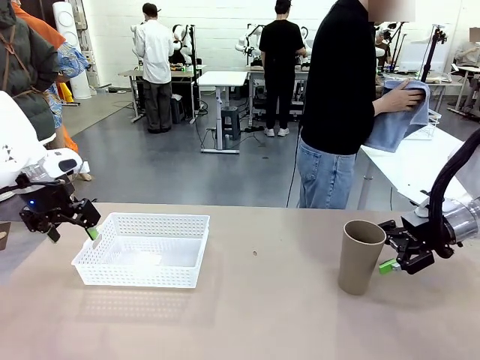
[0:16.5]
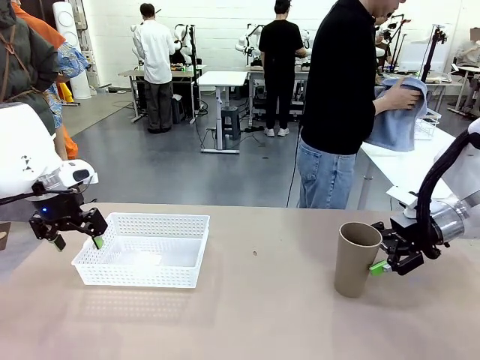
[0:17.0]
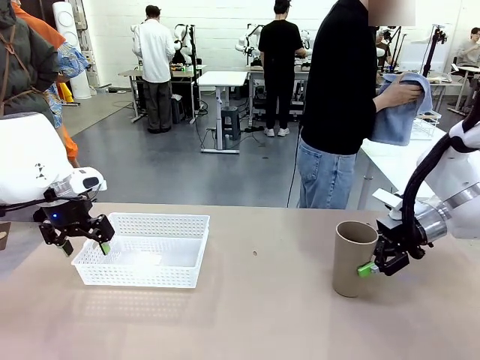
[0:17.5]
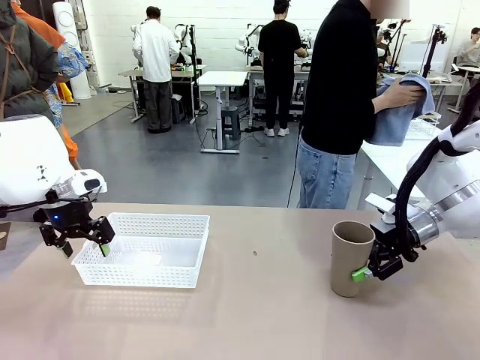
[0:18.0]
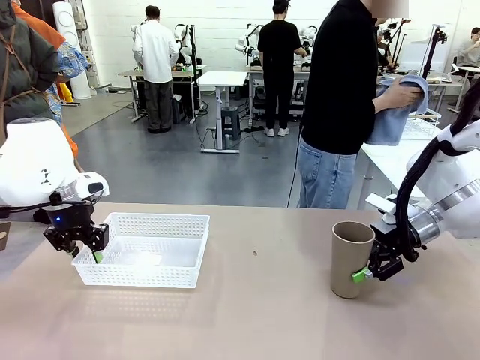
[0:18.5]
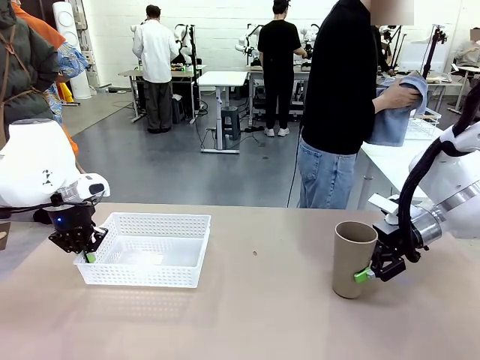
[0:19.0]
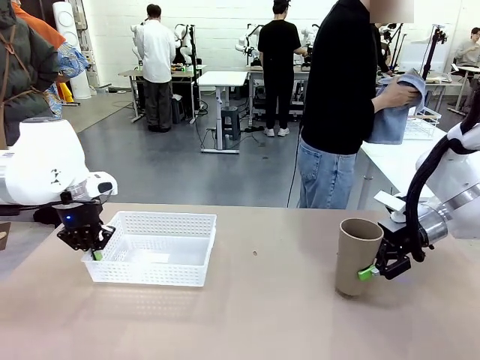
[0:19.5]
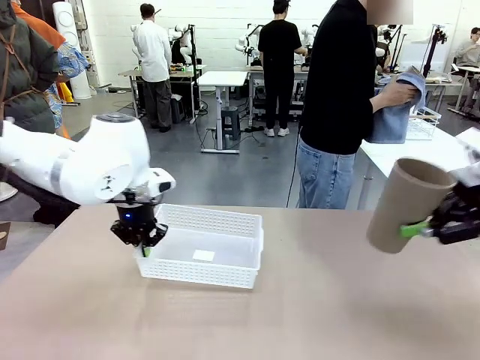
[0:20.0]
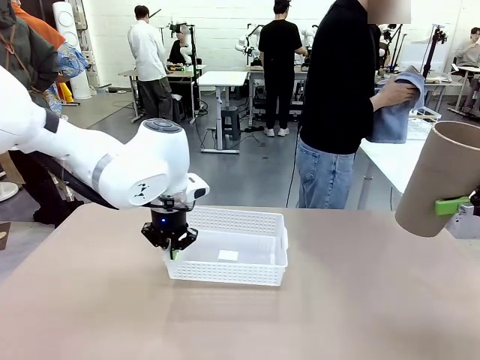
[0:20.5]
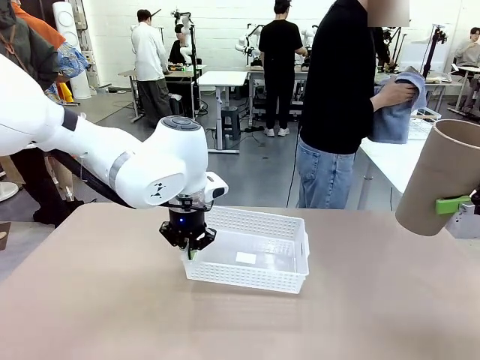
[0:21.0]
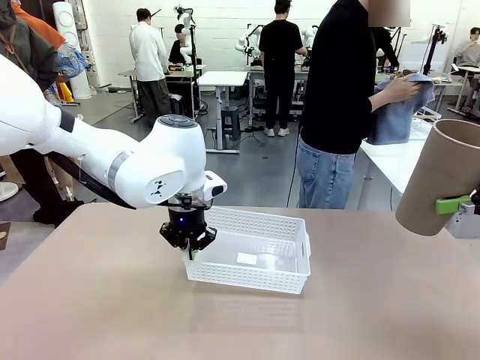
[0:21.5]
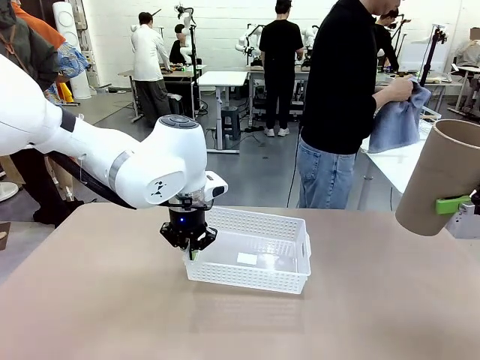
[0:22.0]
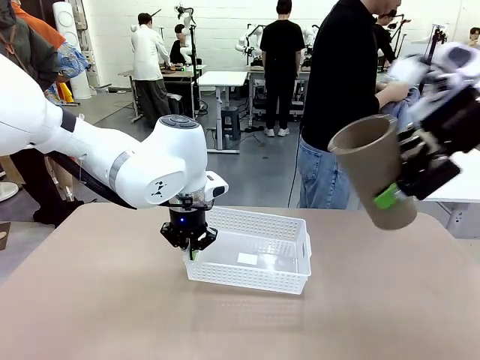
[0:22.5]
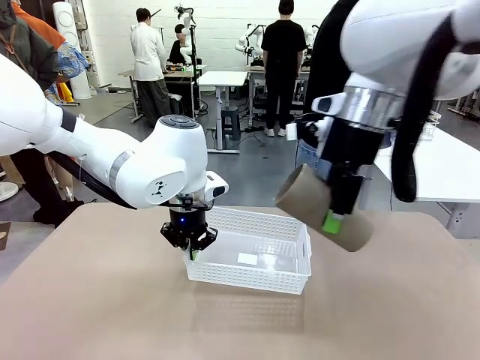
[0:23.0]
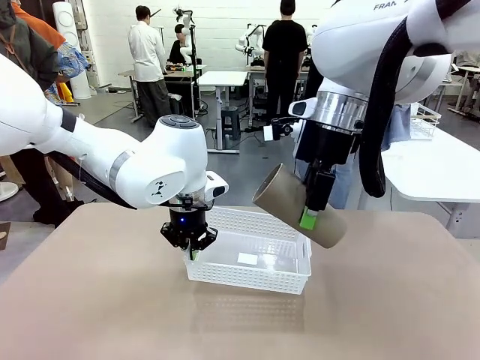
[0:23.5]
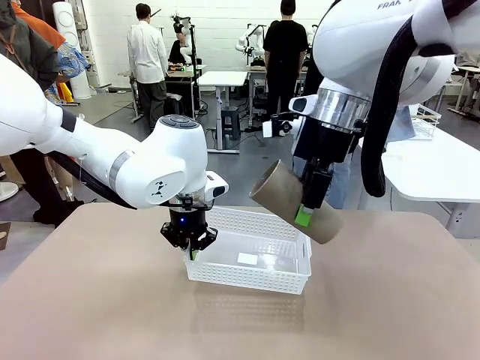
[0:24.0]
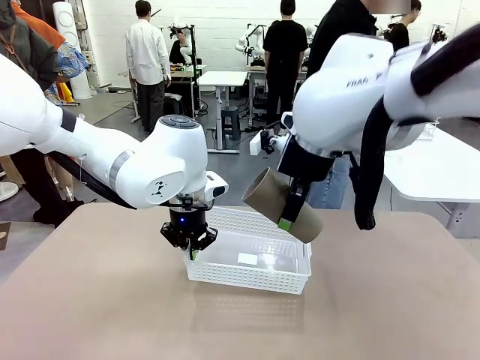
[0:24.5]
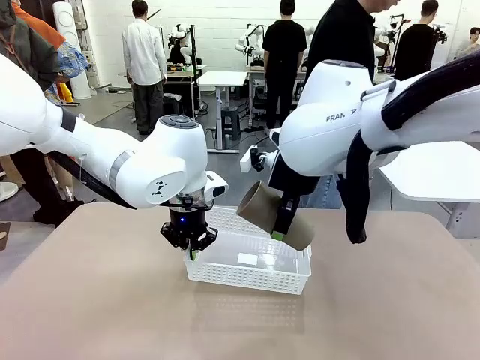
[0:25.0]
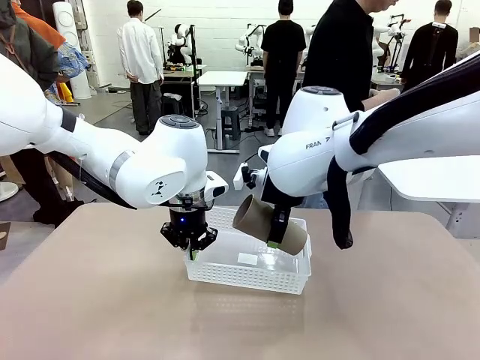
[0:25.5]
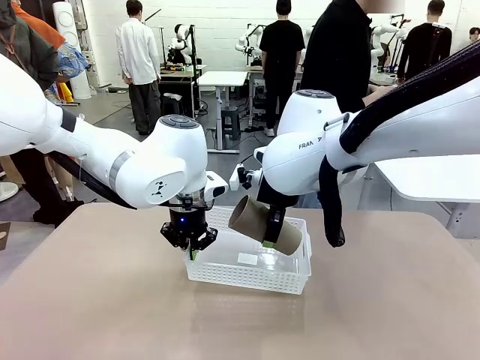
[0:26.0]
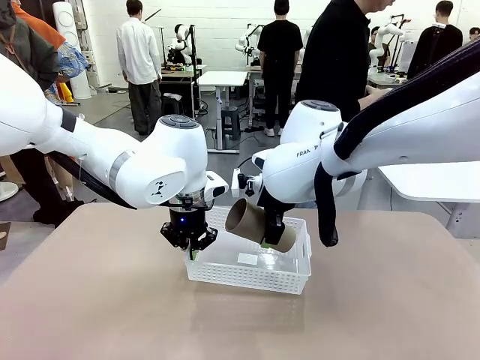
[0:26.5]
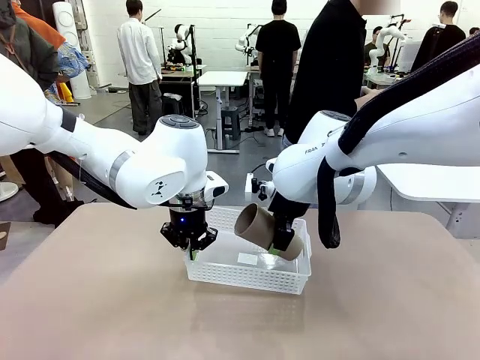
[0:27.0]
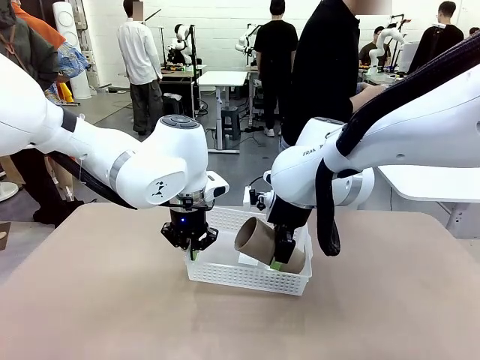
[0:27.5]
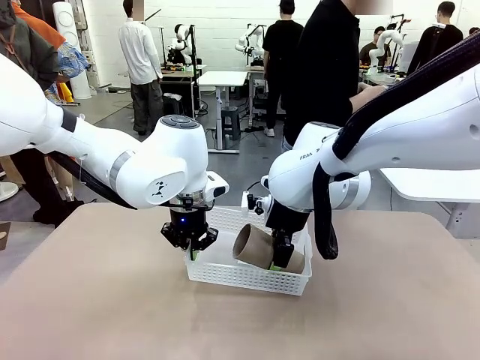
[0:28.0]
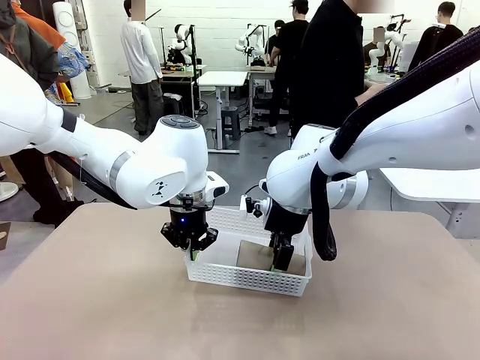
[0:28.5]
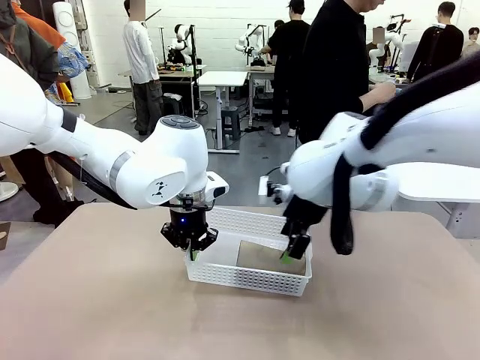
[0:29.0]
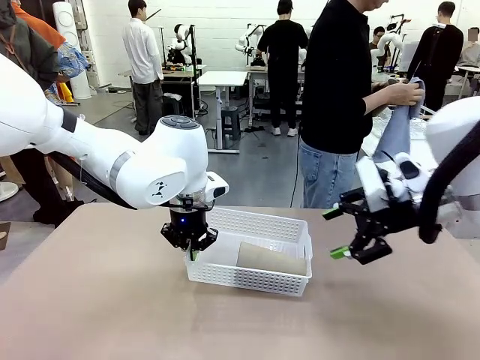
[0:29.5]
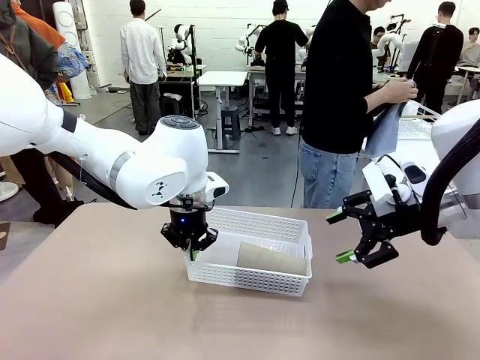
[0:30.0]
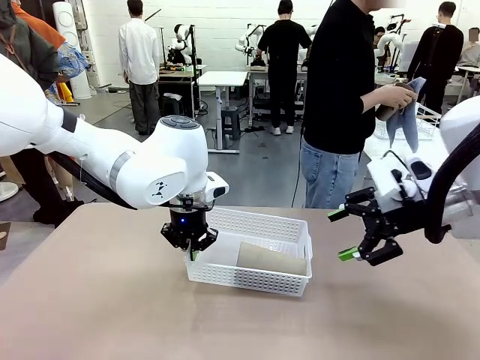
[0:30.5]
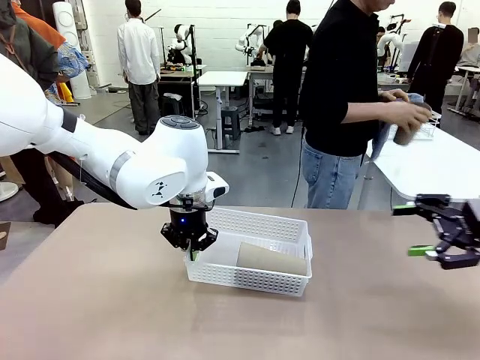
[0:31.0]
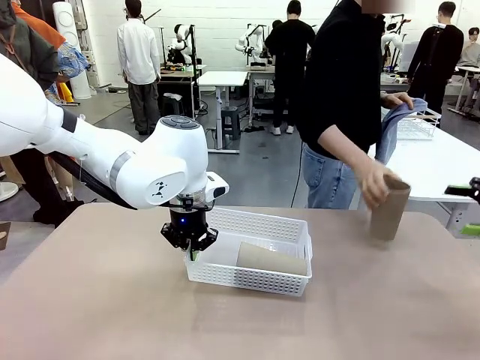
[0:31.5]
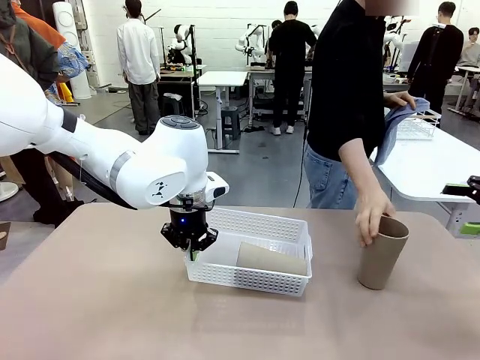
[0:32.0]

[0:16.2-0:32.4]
Task: Clean and organize the cups into the basket.
Robot: Pick up the Organizing basket and move it to the center of the table, then pick up the Reusable plastic cup from the right side of the table and place it inside the Organizing basket.

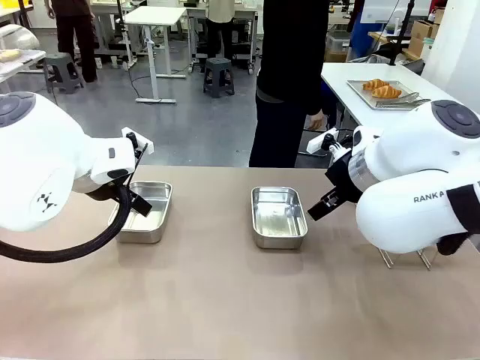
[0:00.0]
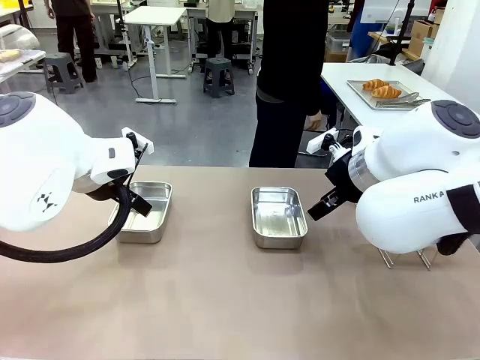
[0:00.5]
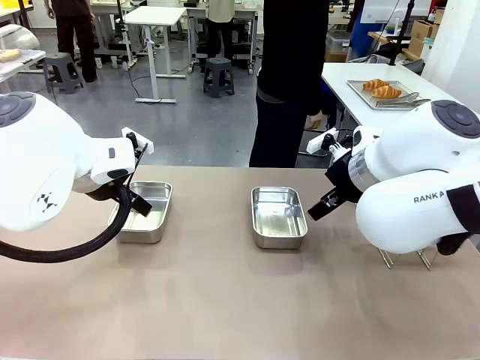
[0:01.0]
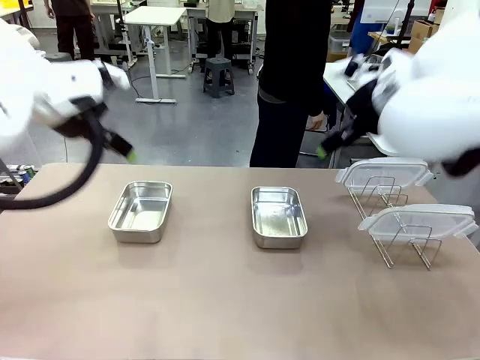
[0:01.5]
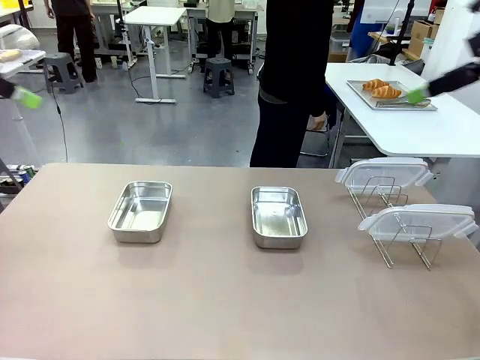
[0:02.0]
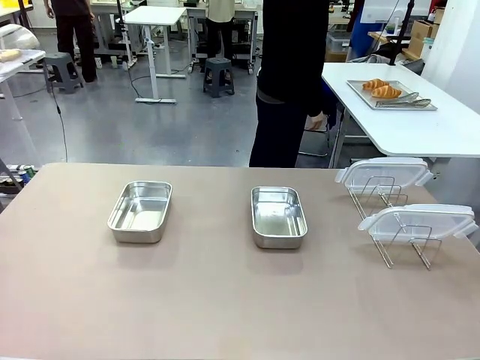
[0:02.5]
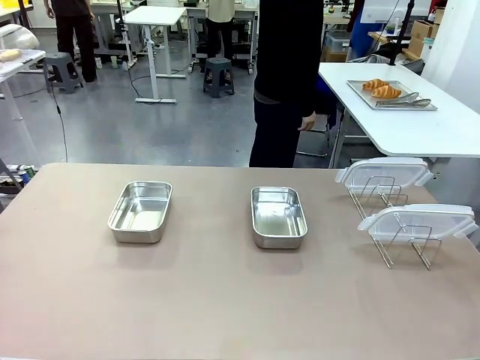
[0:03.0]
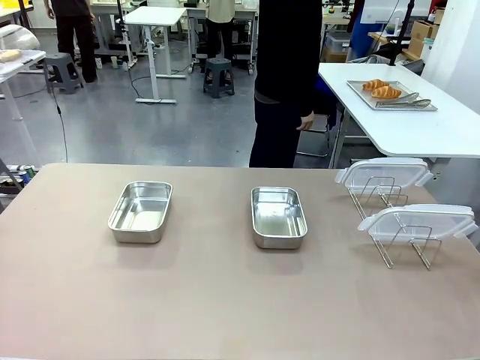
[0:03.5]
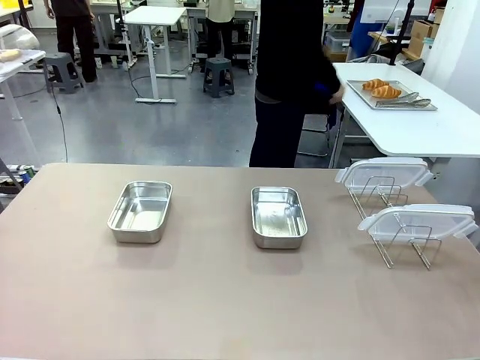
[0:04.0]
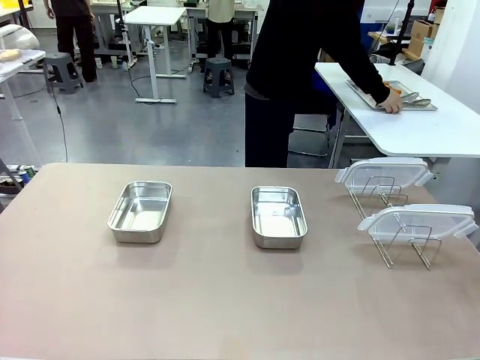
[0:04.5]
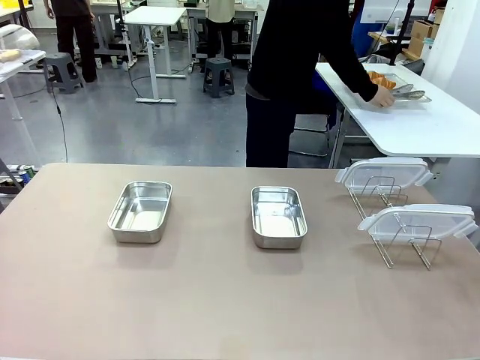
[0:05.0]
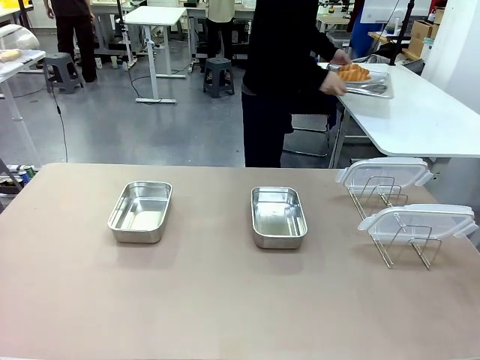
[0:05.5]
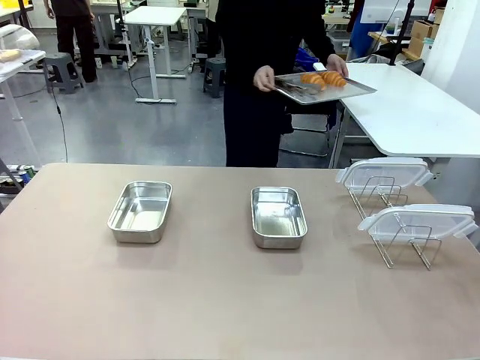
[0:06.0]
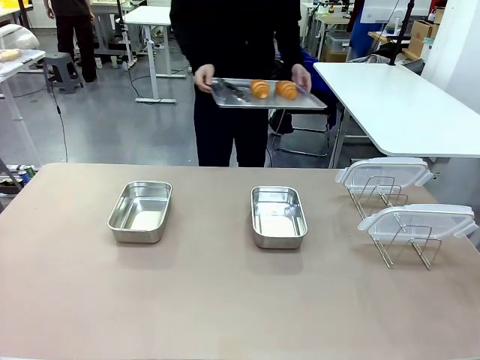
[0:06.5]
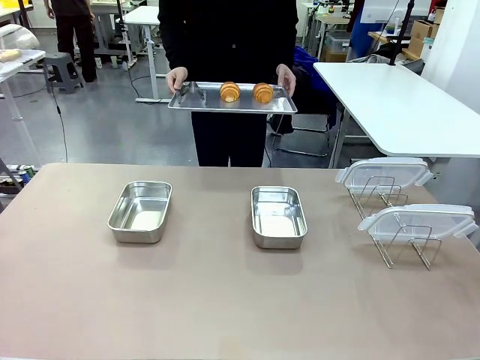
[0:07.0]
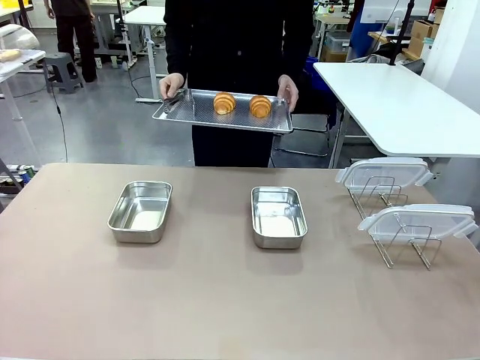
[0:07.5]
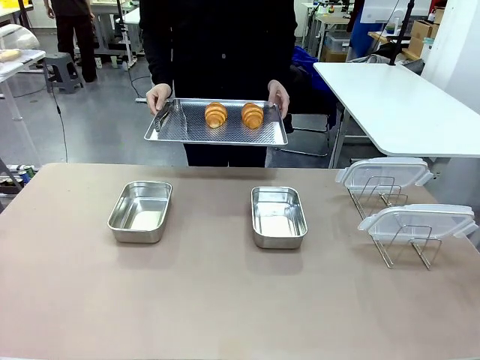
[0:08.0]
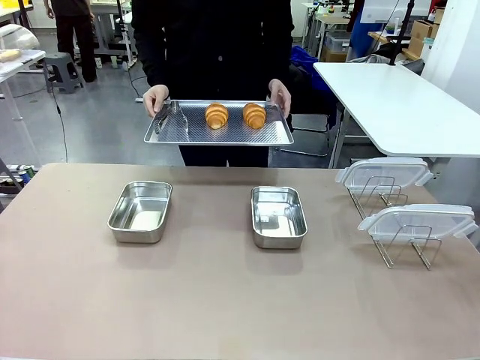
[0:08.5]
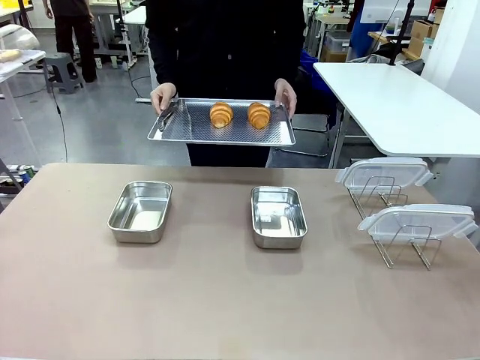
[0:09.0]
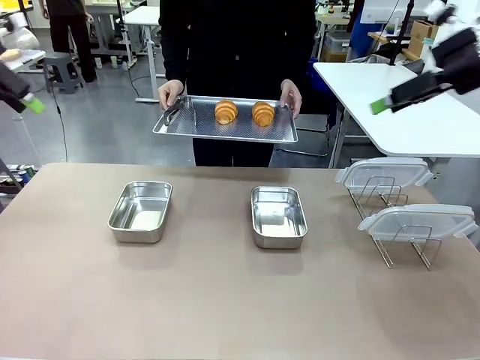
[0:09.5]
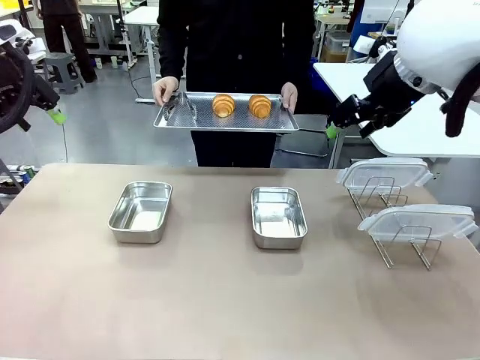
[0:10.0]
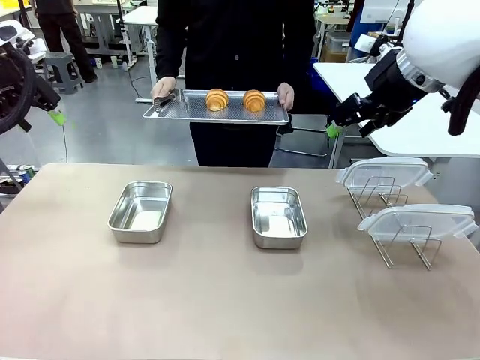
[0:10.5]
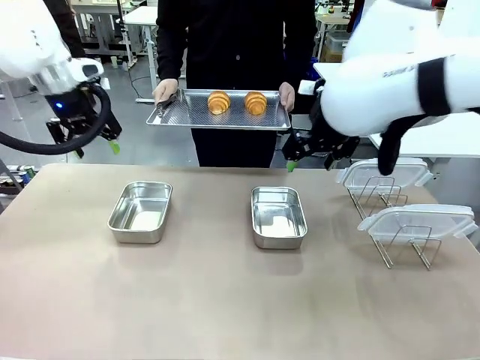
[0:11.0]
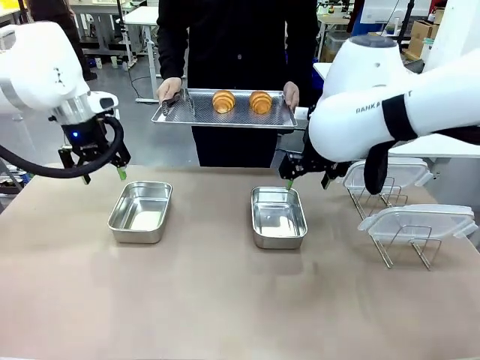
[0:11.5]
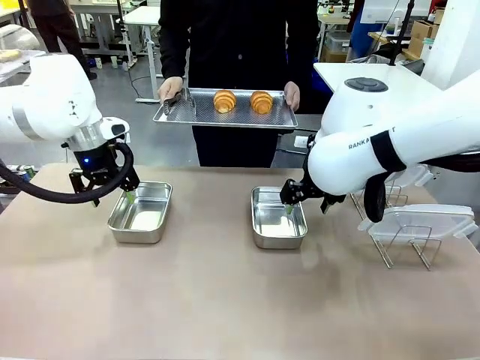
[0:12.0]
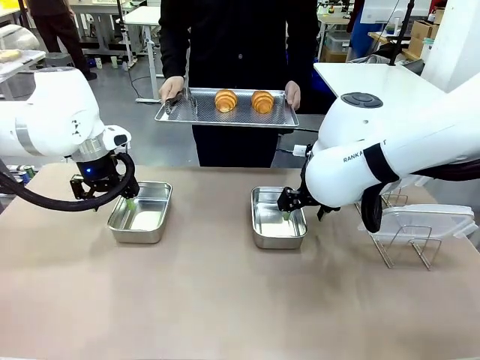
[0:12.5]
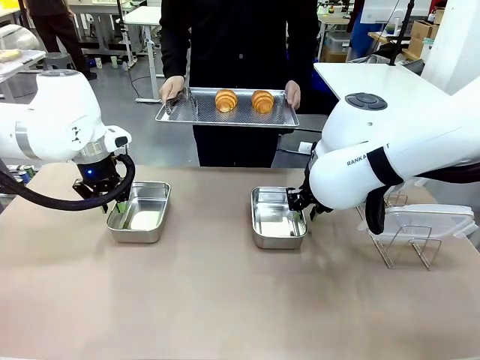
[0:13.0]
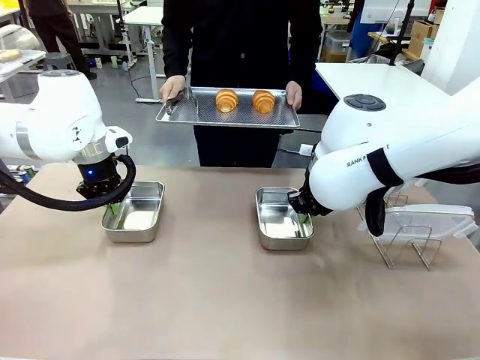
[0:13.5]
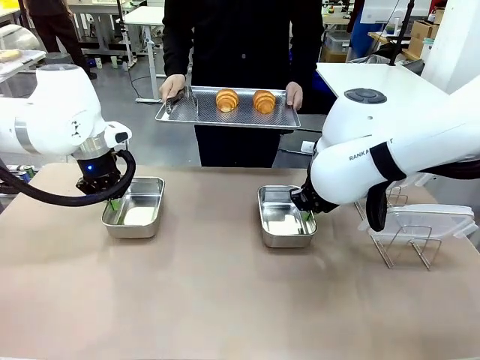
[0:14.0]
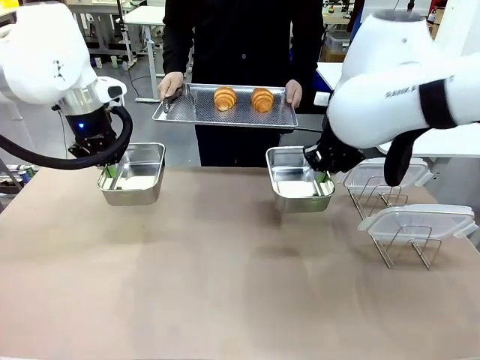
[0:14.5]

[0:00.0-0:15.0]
Task: Place the bread in airtight containers.
Robot: Lift both Airtight Container.
Person: Bring the Baking Sheet in front of Robot's Table.
